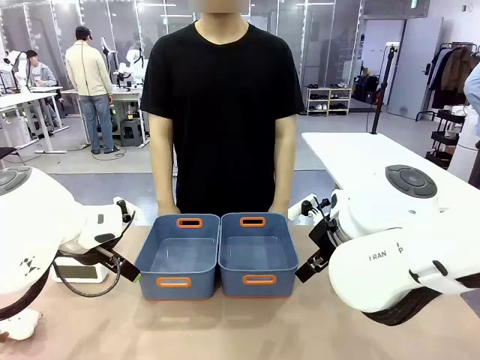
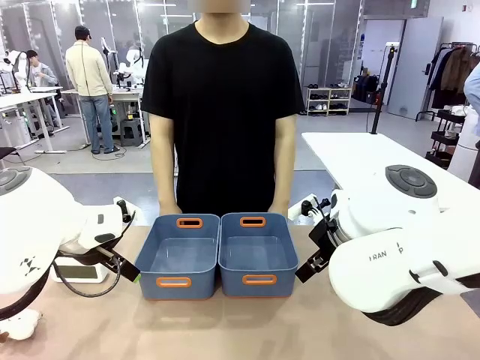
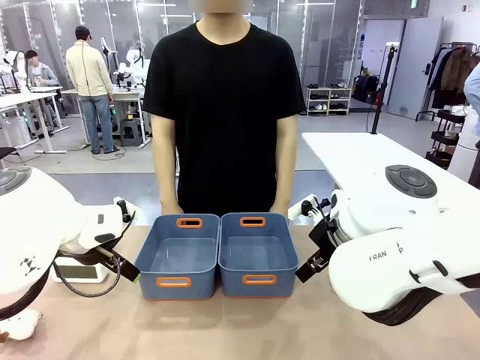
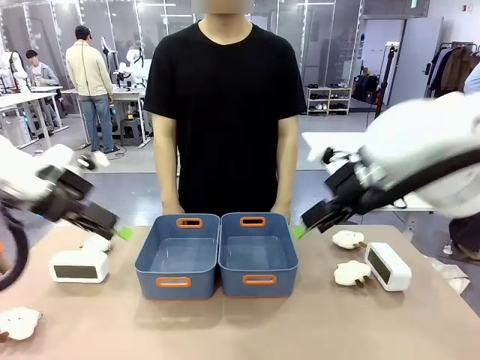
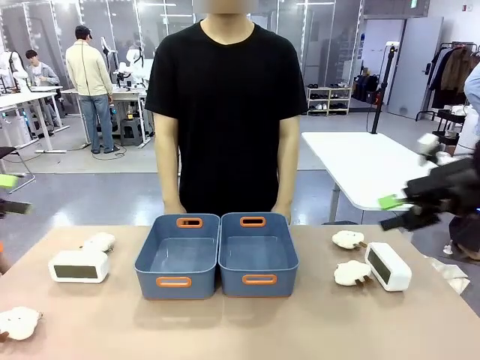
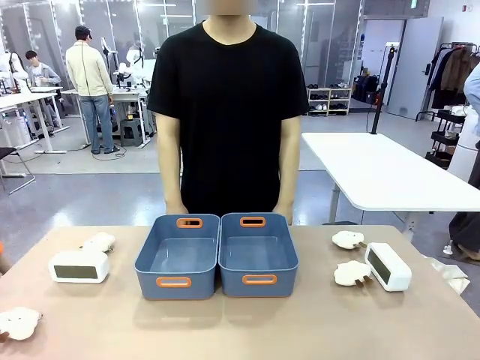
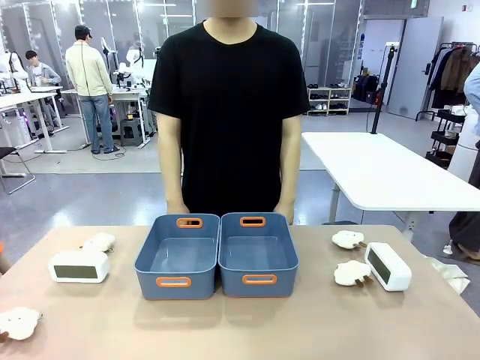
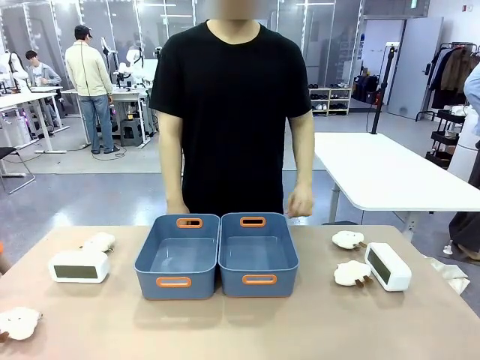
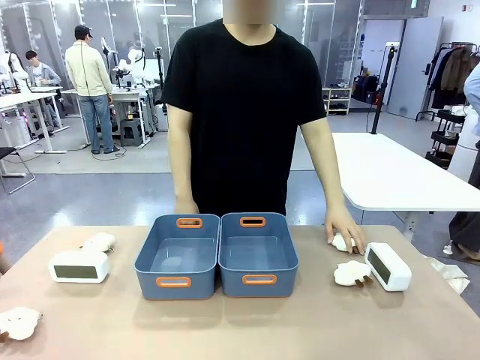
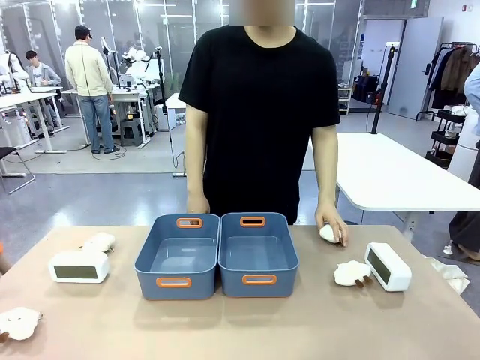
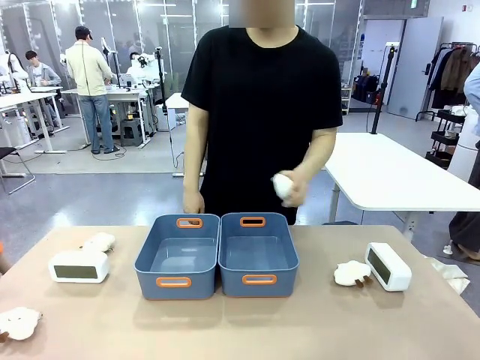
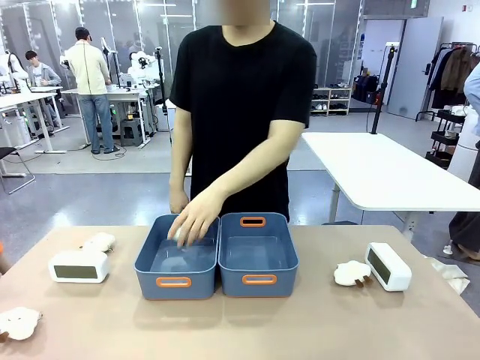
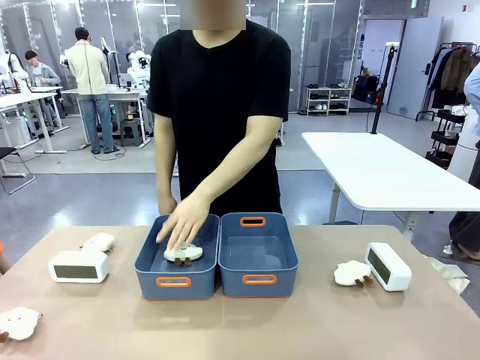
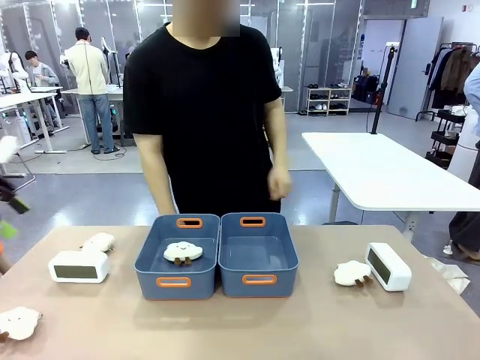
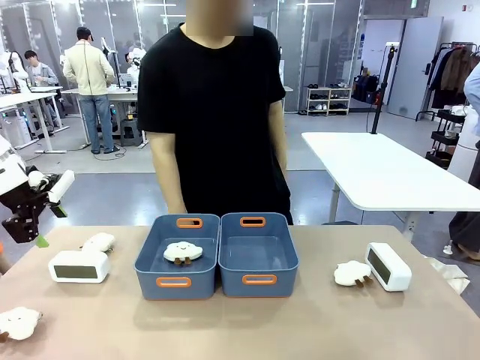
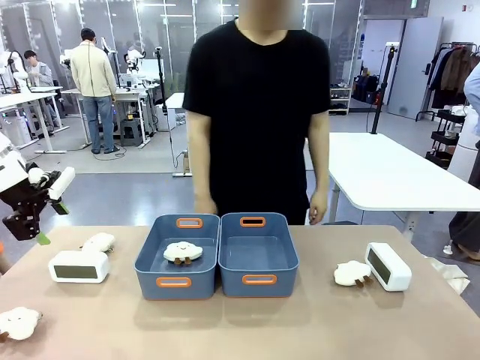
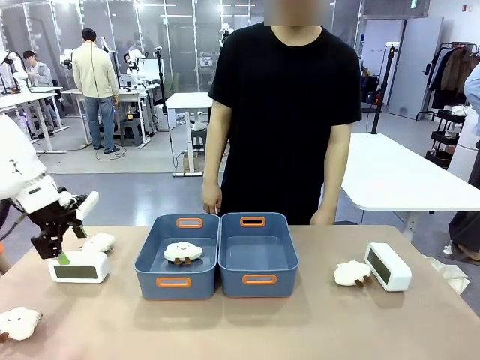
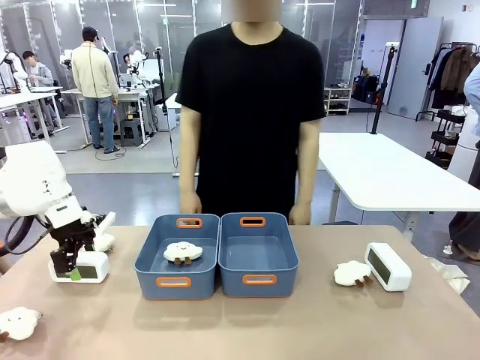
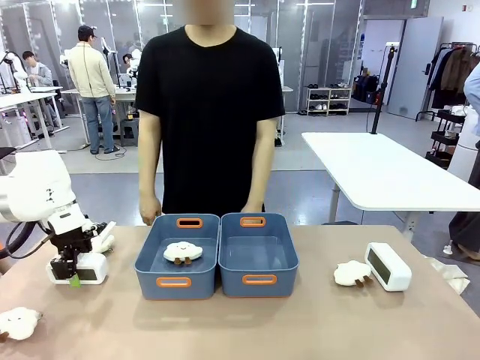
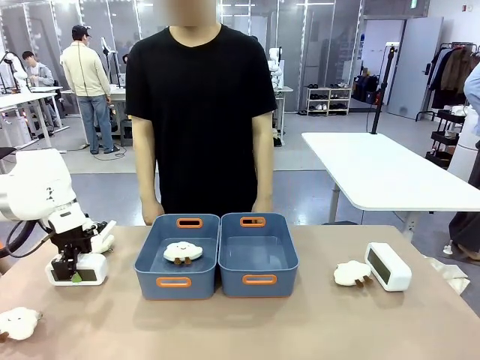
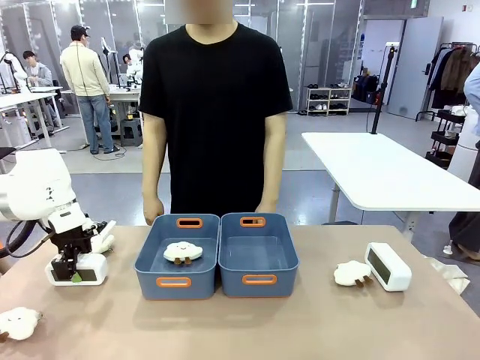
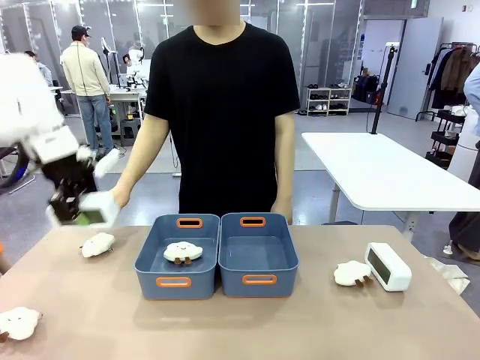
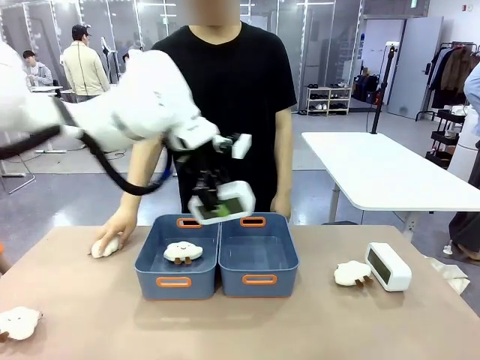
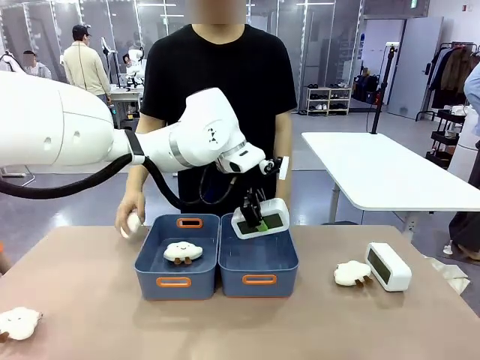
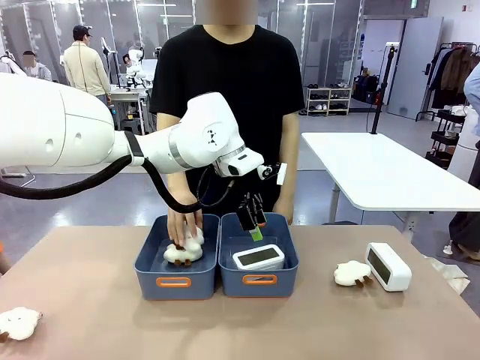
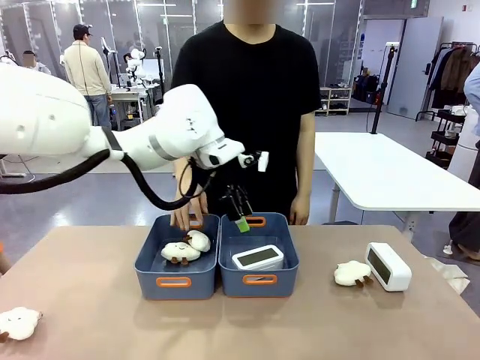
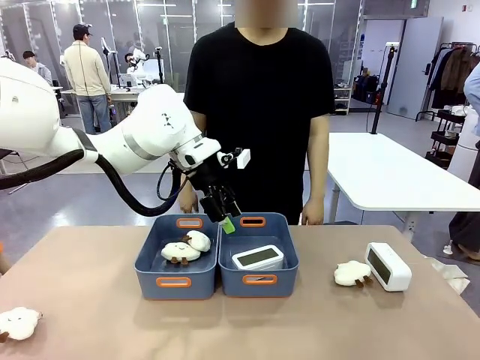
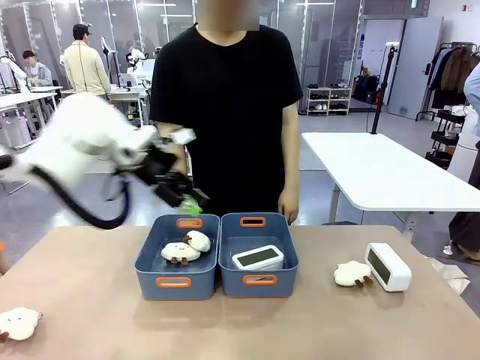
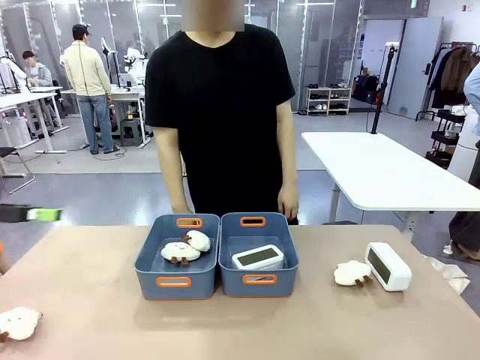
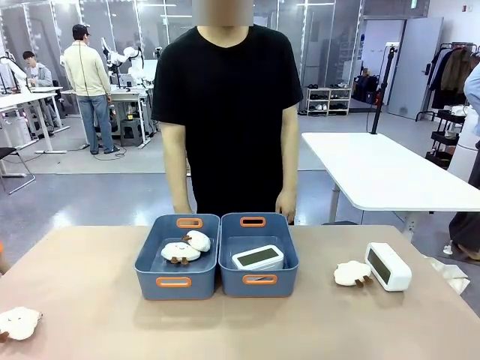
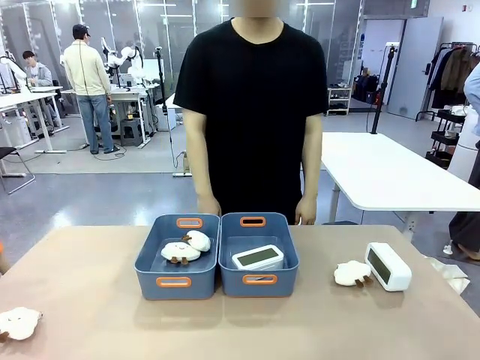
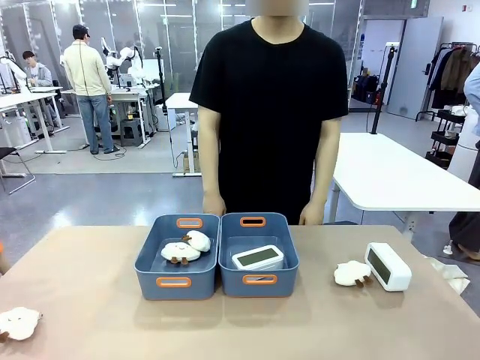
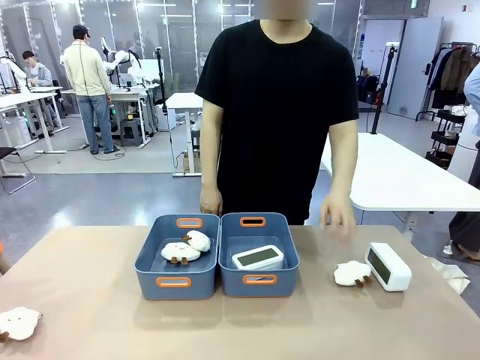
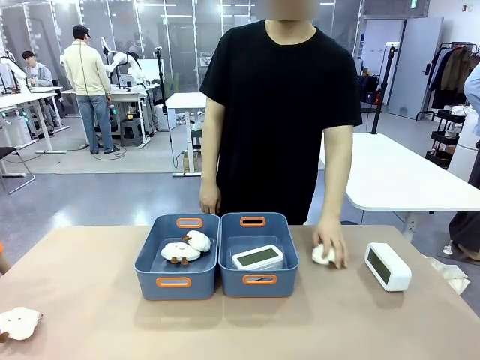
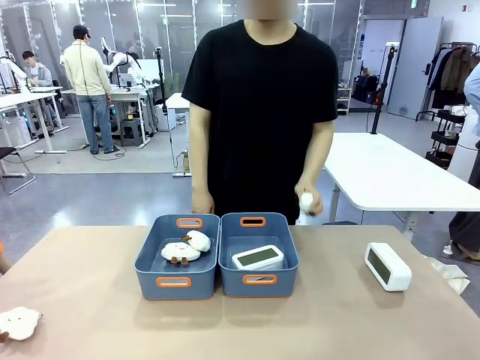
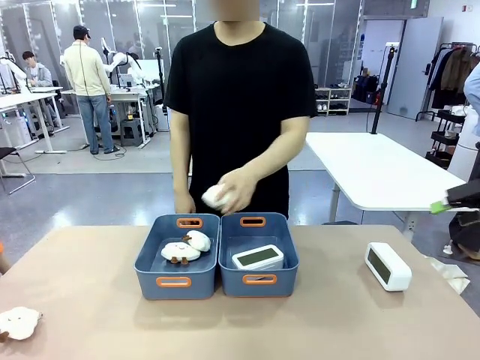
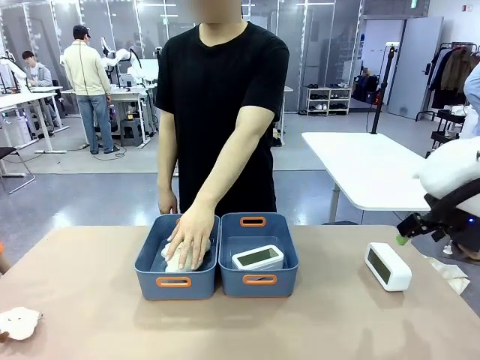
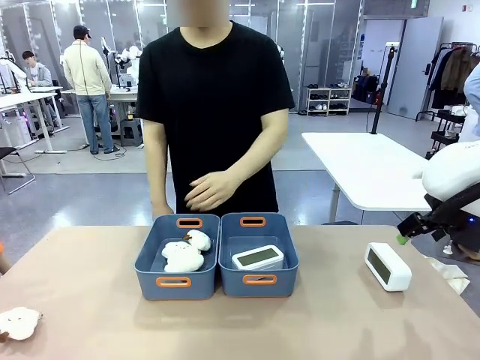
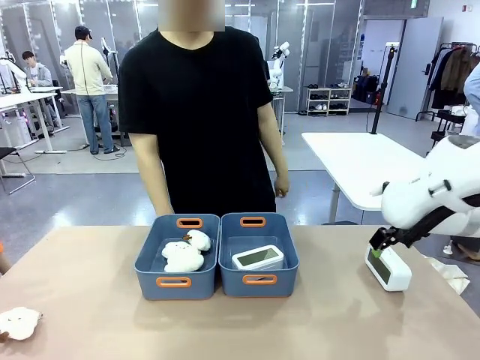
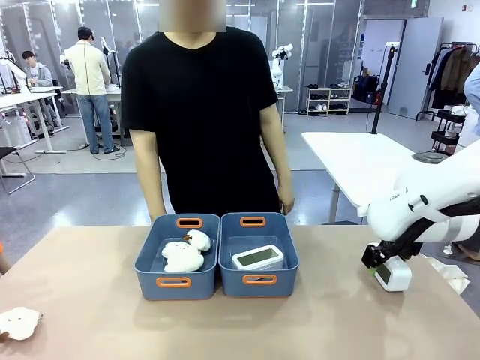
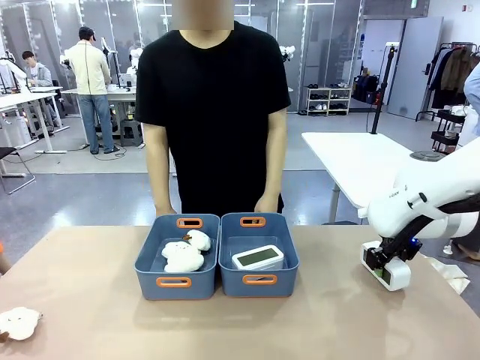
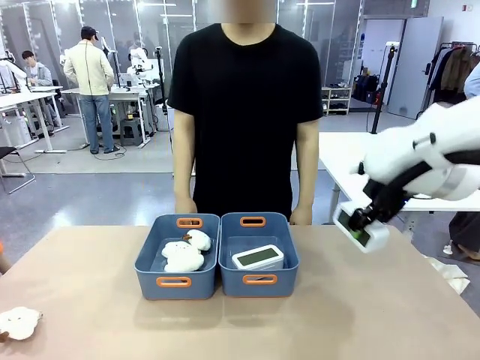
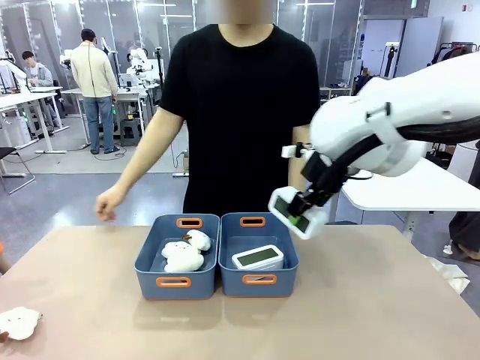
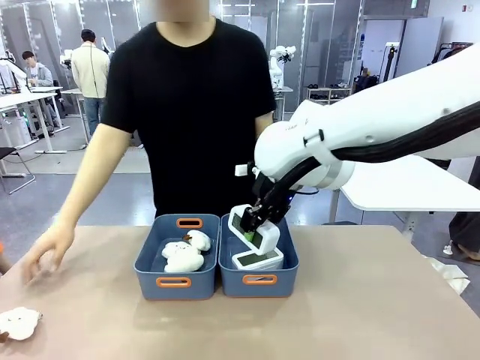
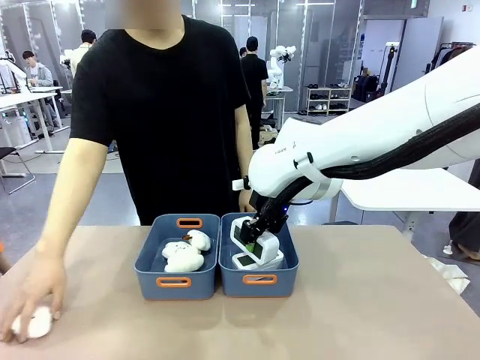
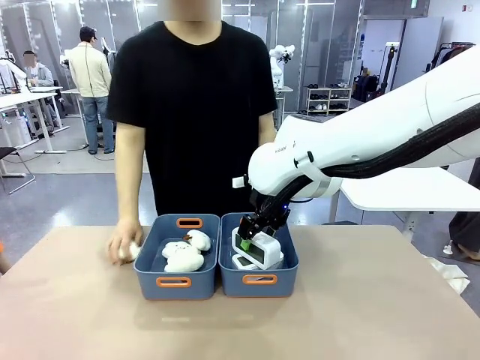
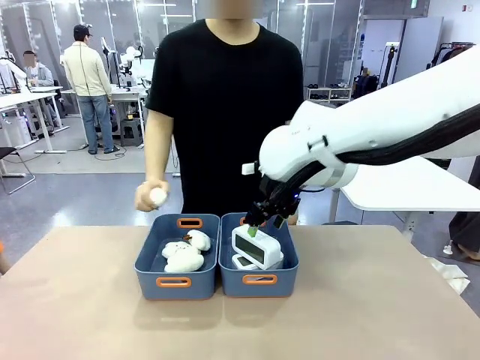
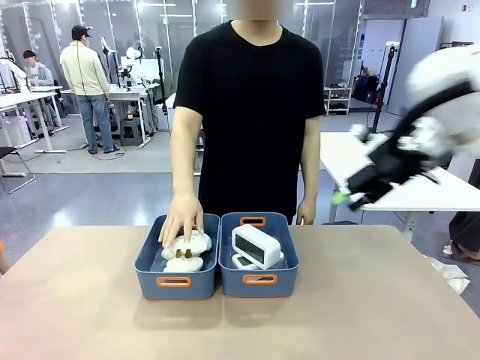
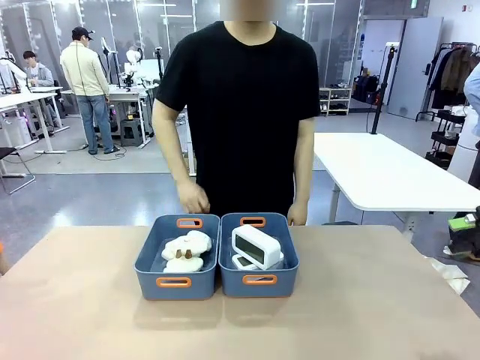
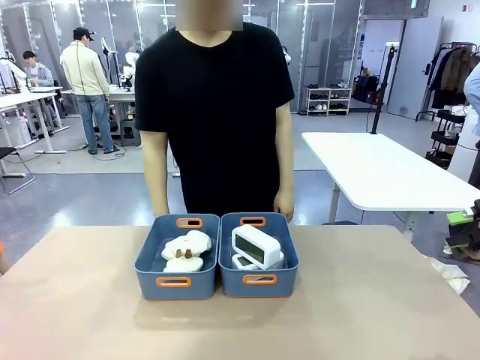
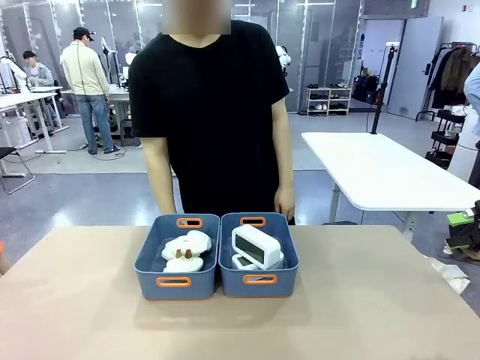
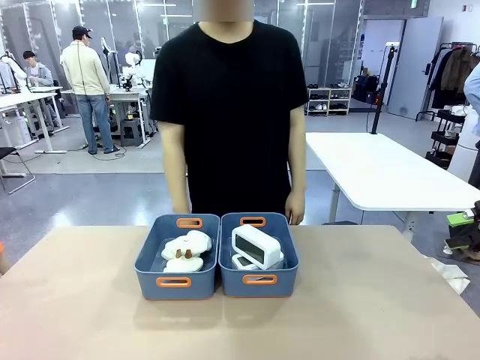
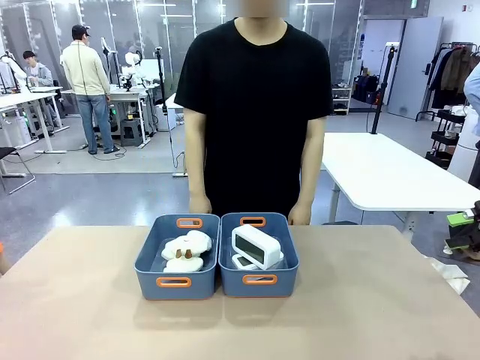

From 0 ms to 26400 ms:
Task: Sort the digital clocks into the basket.
Robot: Pick up the Digital clock from the table and place it into the empty Plastic storage basket.
Person: Pick up a plush toy from the table and place it in a plastic storage basket. Pick up a plush toy from the table and place it in the plastic storage basket containing the plush toy.
